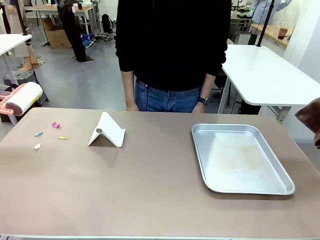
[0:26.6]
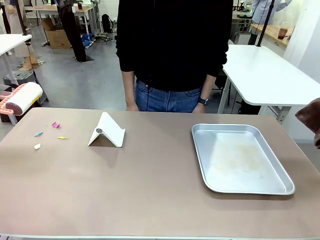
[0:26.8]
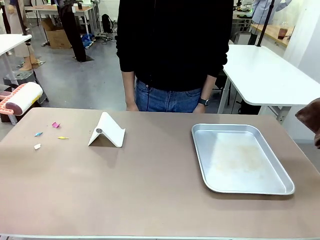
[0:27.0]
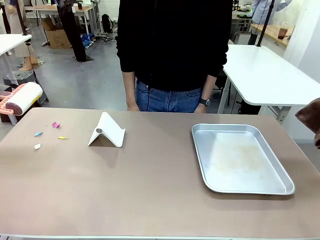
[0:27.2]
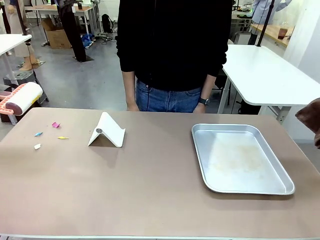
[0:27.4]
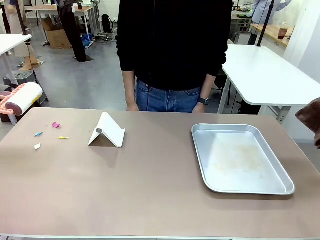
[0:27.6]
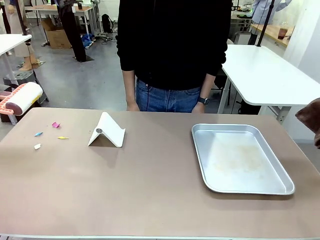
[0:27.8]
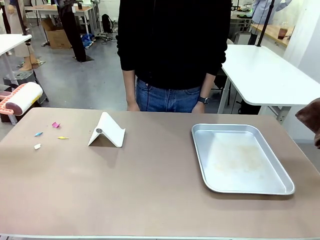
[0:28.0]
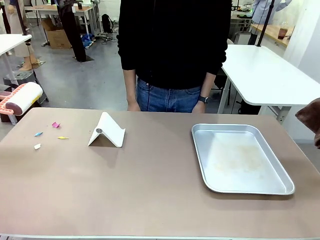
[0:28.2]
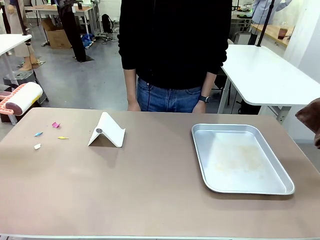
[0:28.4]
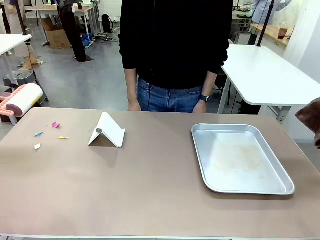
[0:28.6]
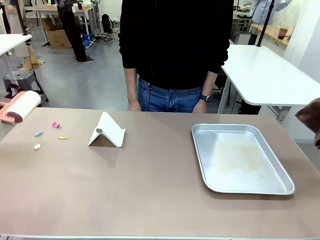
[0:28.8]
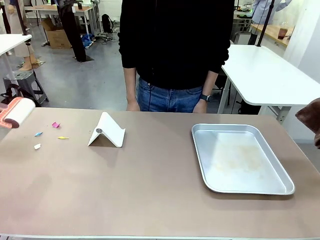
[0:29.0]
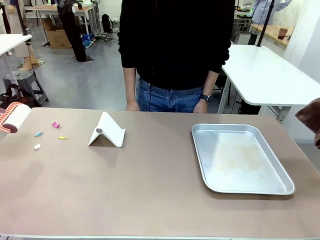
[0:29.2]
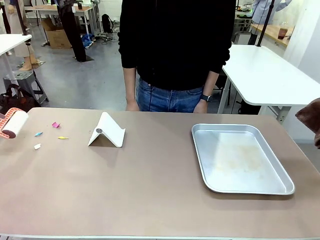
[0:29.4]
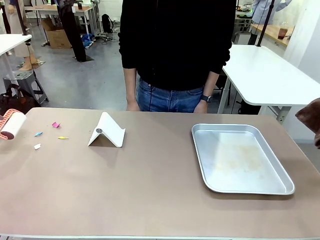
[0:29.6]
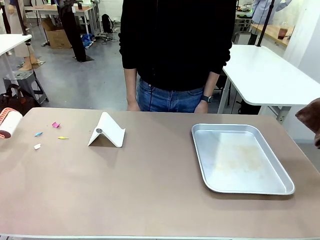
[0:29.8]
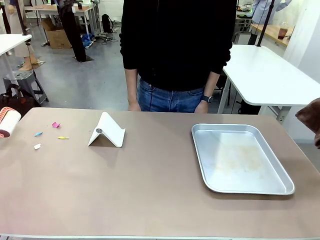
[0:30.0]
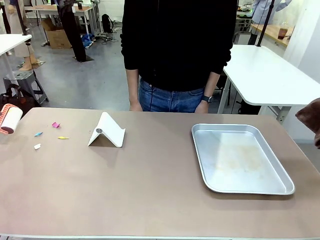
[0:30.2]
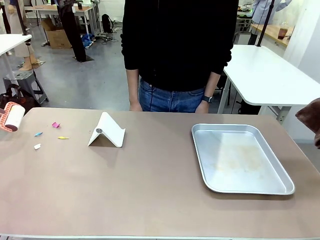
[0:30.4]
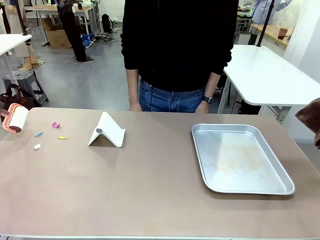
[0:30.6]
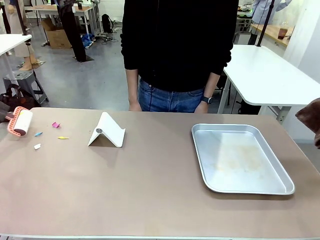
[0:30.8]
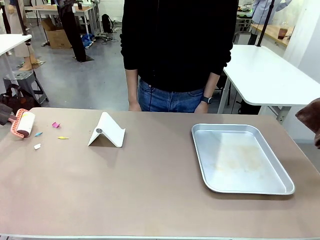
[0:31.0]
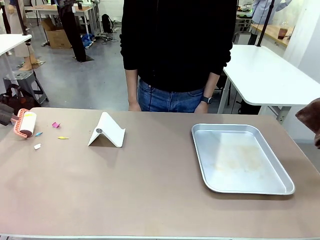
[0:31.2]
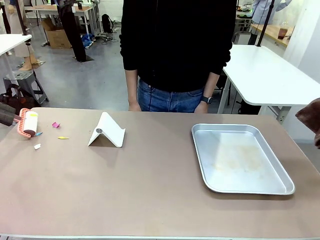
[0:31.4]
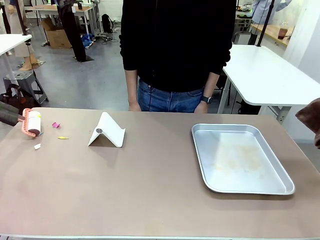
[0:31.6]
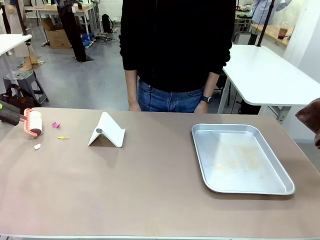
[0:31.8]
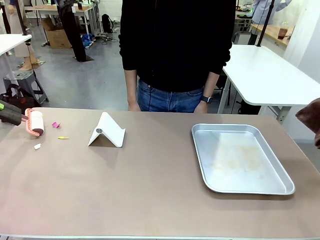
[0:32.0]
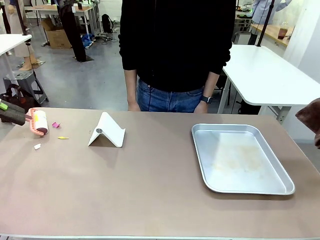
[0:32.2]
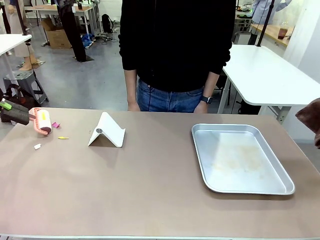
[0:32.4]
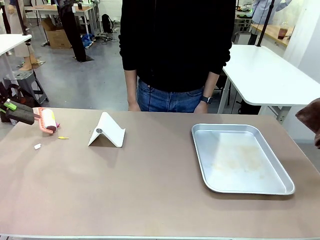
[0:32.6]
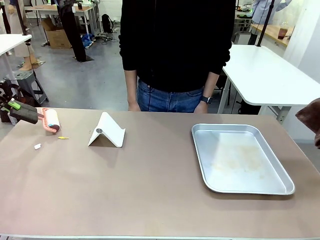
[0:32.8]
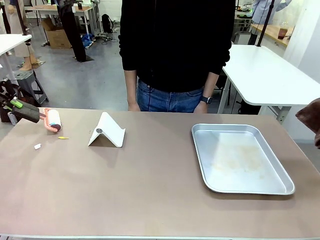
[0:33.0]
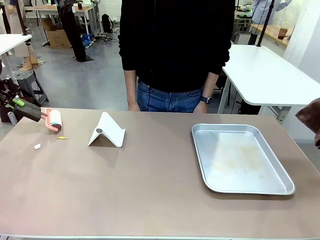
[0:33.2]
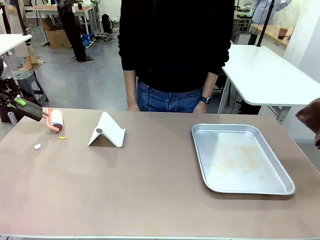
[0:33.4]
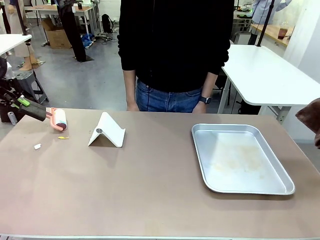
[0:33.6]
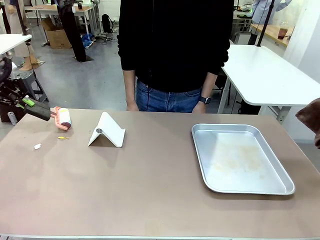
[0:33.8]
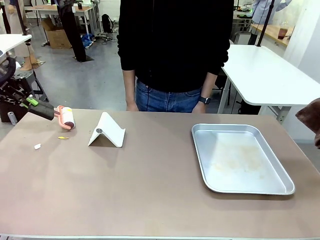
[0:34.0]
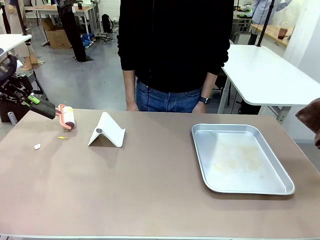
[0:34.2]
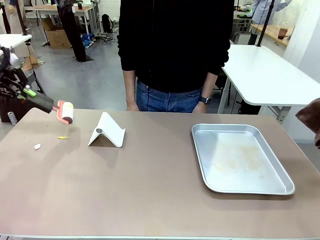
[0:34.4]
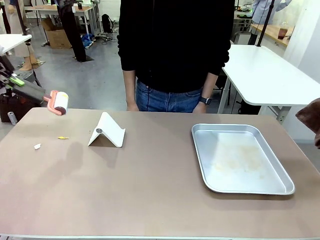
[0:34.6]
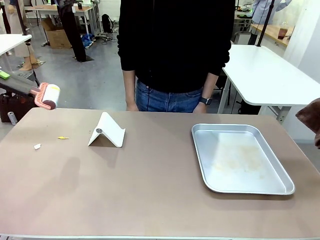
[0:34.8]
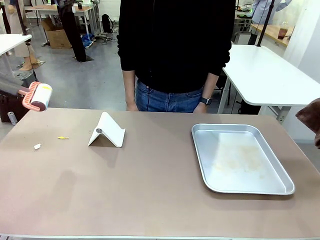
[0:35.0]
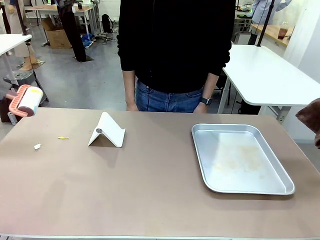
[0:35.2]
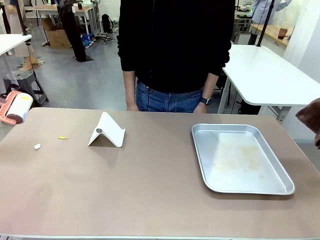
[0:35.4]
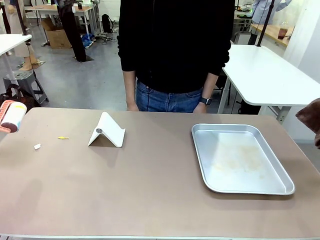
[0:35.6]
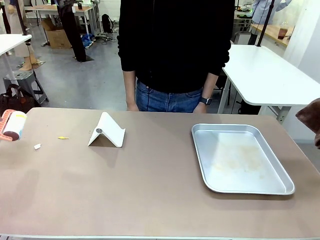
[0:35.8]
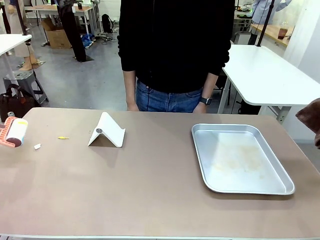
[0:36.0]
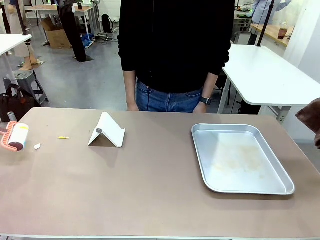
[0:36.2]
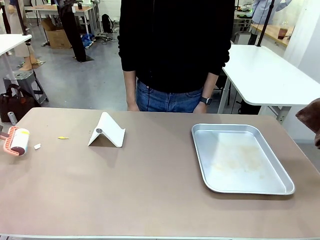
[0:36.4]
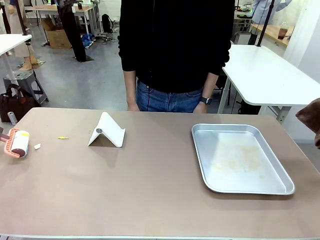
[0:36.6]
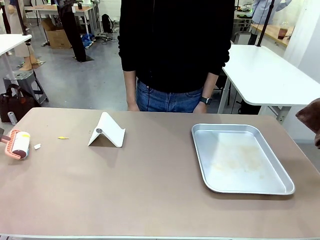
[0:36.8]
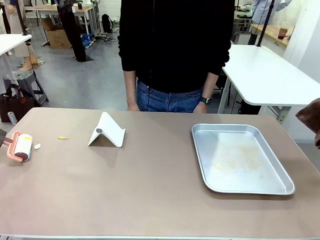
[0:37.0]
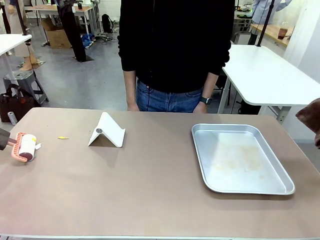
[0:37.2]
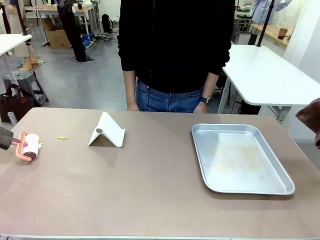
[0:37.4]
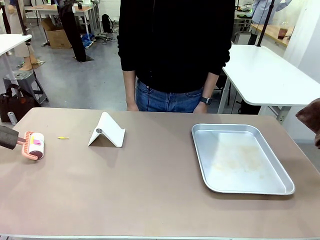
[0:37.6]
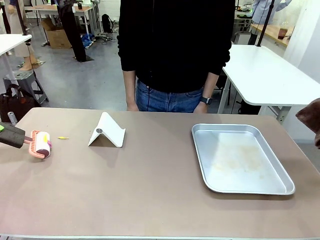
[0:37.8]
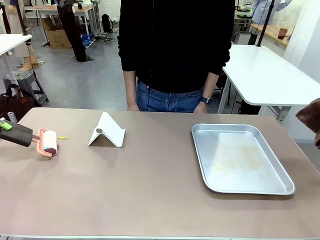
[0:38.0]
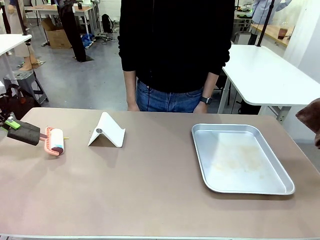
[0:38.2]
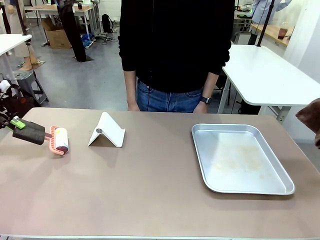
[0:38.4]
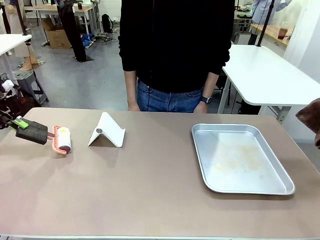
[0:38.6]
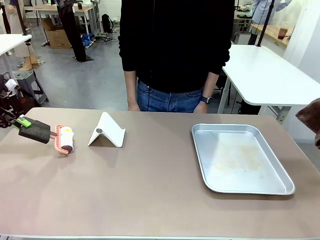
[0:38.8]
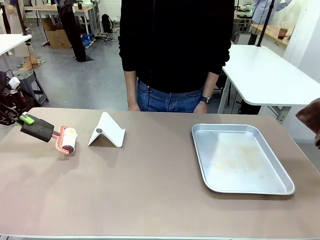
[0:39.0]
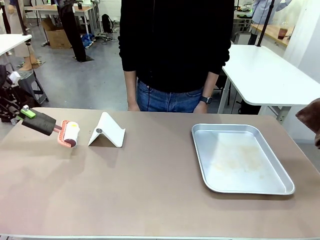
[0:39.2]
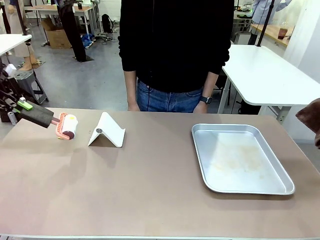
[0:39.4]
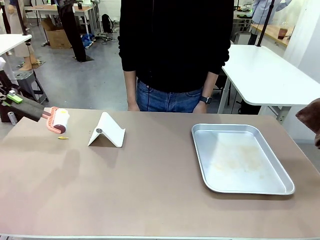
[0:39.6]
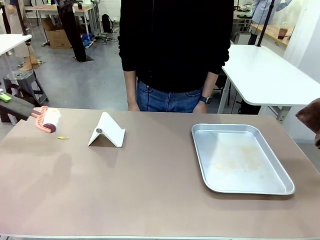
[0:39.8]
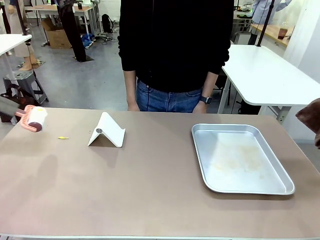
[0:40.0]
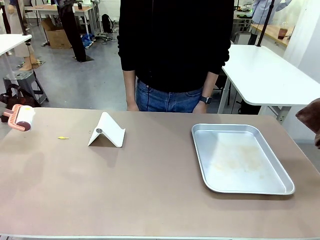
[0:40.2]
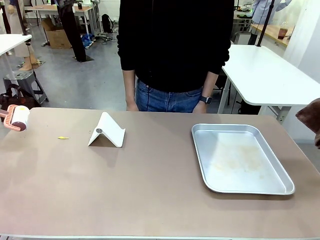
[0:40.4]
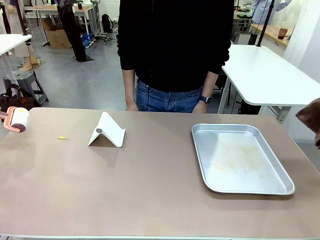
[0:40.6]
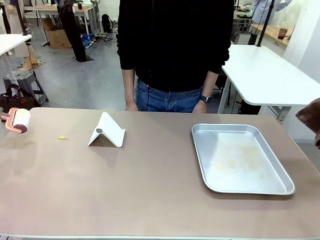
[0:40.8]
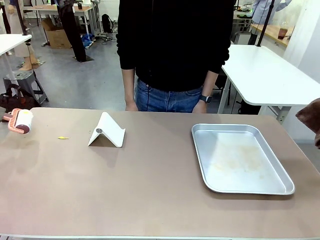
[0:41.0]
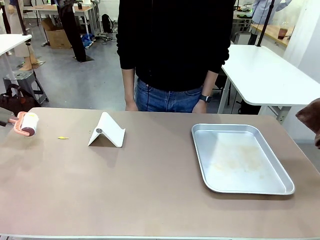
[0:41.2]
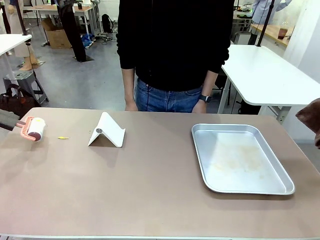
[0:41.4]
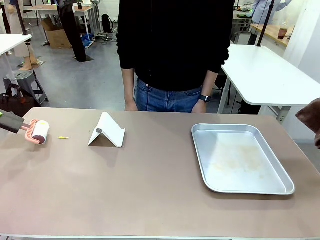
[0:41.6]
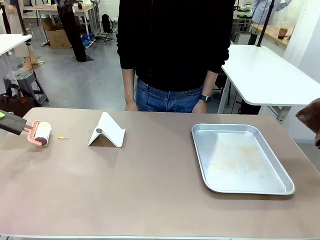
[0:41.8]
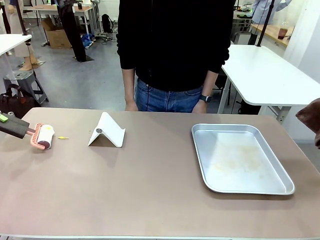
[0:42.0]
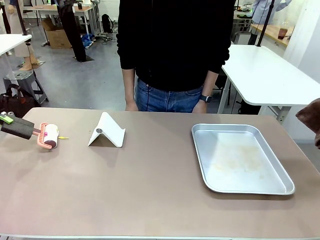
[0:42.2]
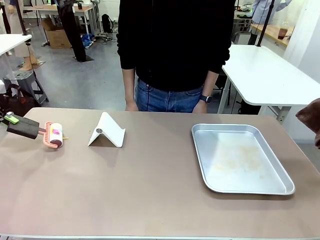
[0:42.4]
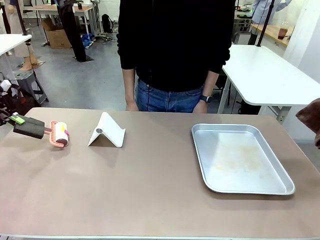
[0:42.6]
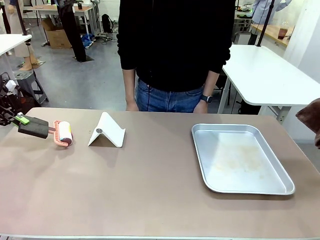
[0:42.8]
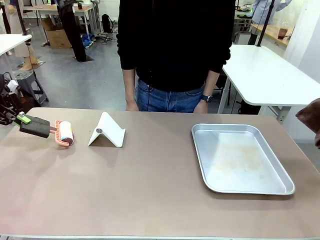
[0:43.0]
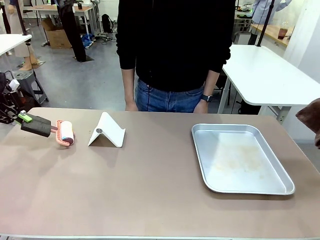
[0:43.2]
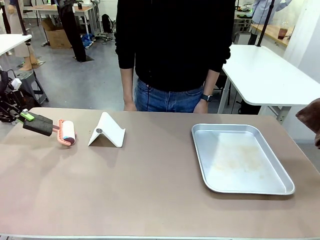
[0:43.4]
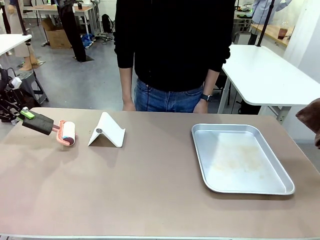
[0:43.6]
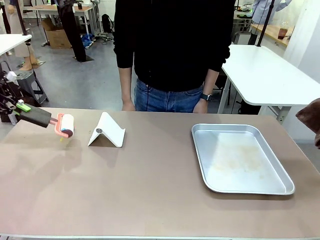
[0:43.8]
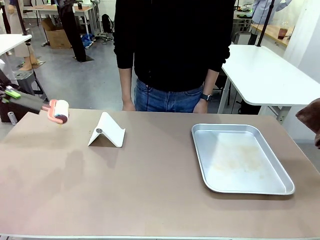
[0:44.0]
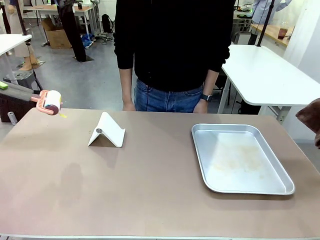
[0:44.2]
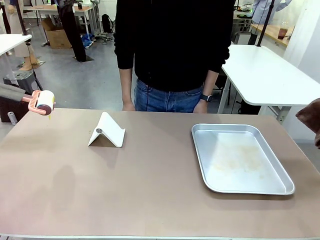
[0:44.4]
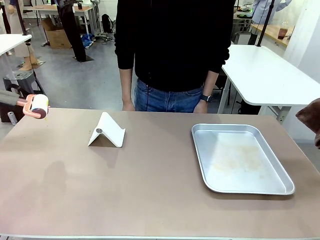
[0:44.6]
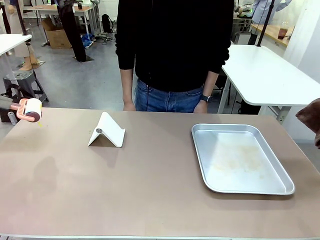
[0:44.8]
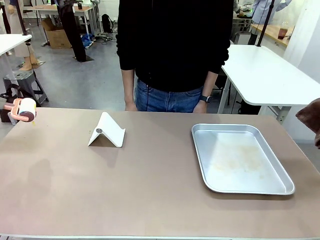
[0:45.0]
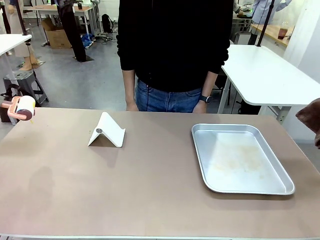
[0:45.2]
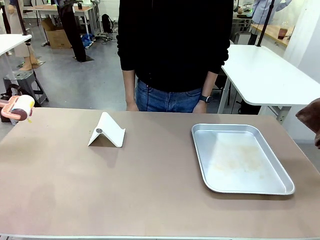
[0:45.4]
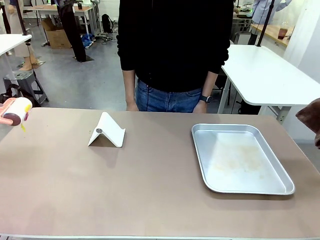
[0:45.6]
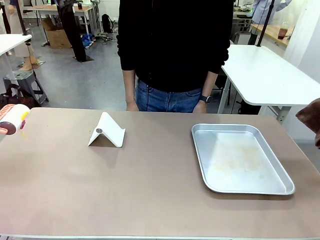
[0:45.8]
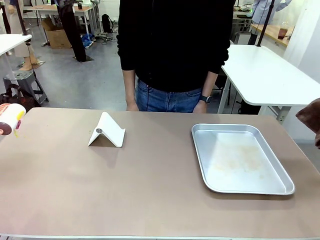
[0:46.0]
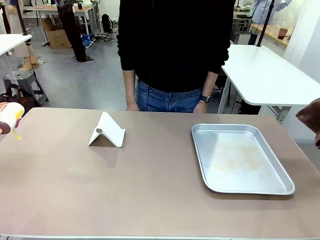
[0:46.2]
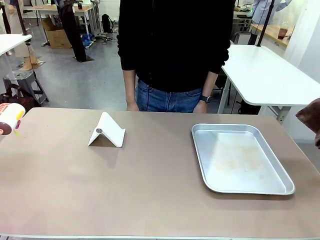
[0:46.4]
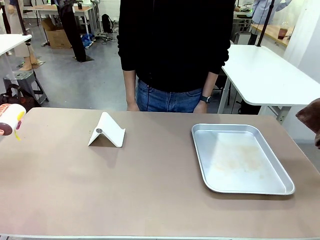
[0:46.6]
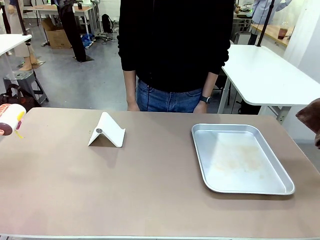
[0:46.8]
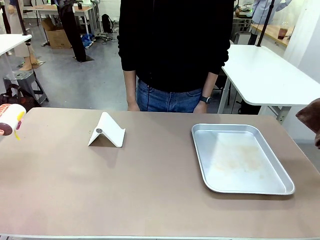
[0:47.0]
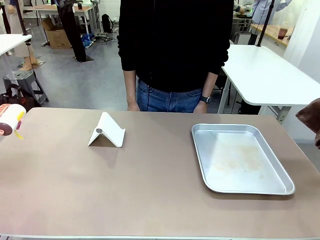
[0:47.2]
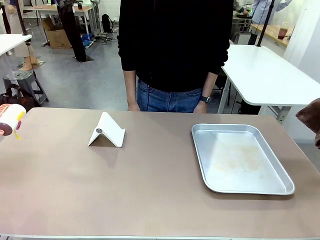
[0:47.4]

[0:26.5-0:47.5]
Task: Clean the surface of the table.
Robot: Clean the area not pointed to by the person.
